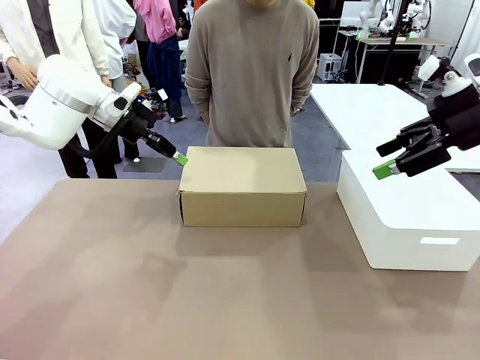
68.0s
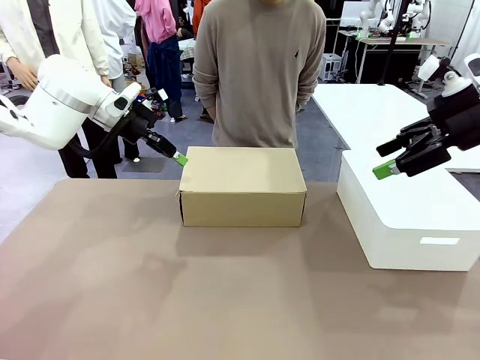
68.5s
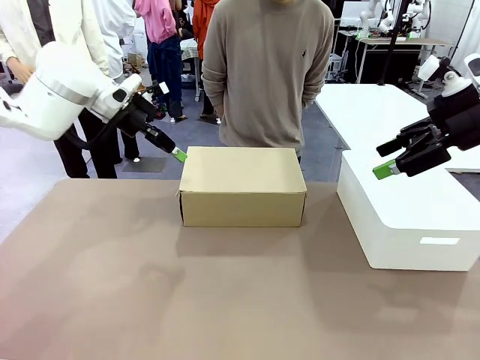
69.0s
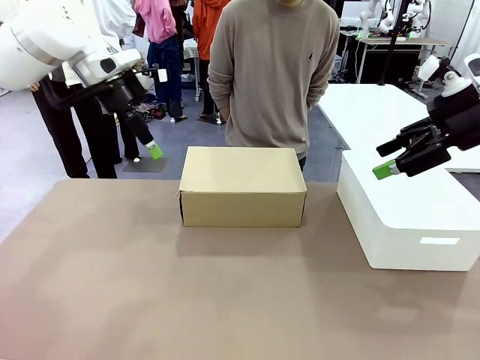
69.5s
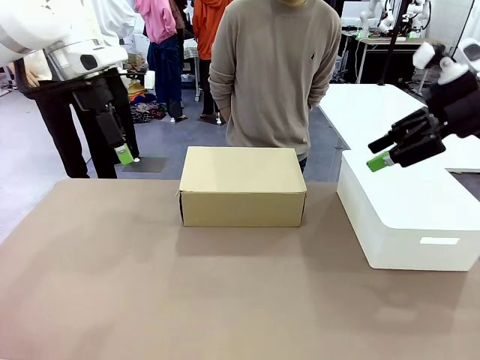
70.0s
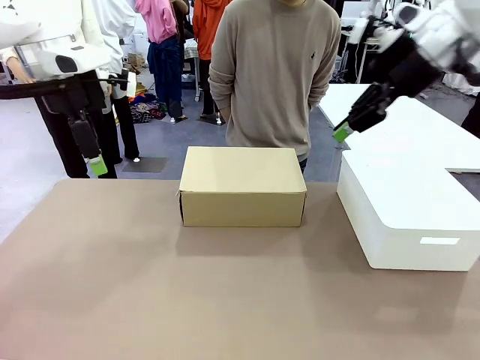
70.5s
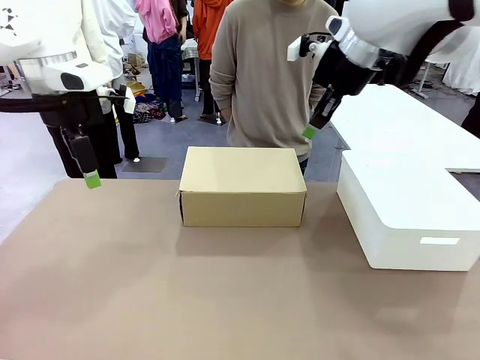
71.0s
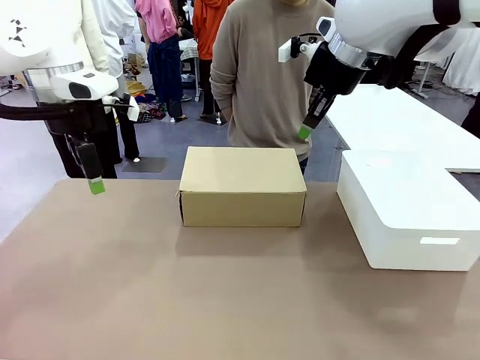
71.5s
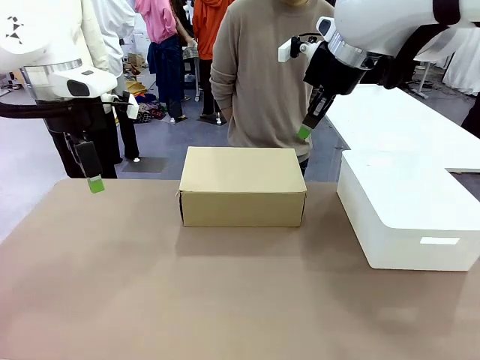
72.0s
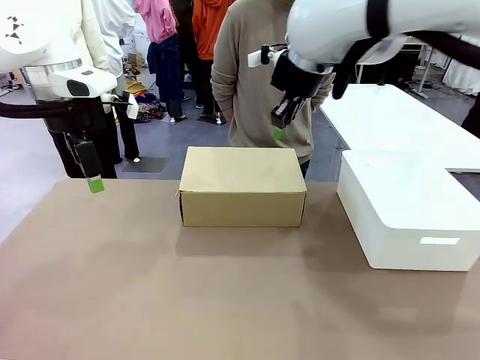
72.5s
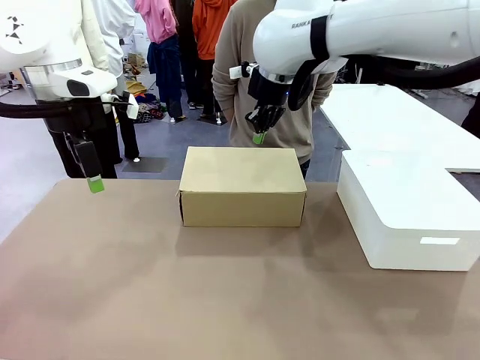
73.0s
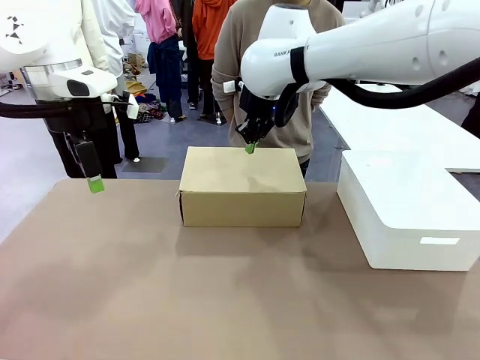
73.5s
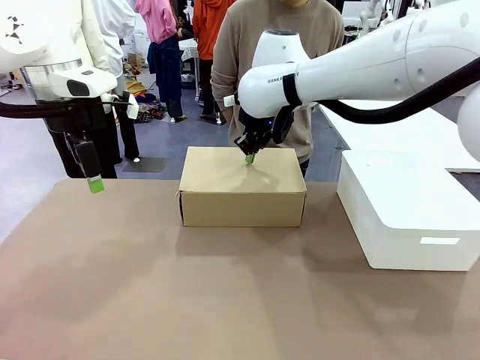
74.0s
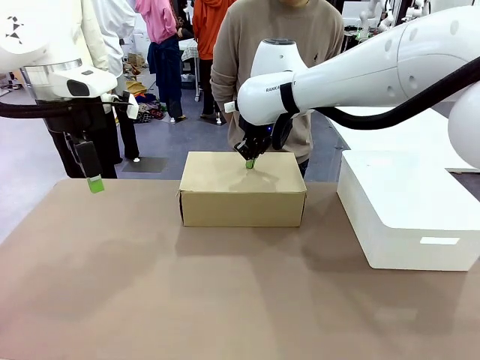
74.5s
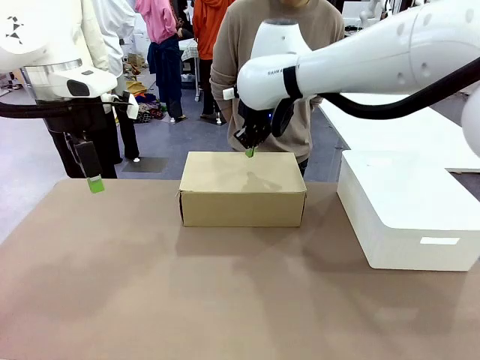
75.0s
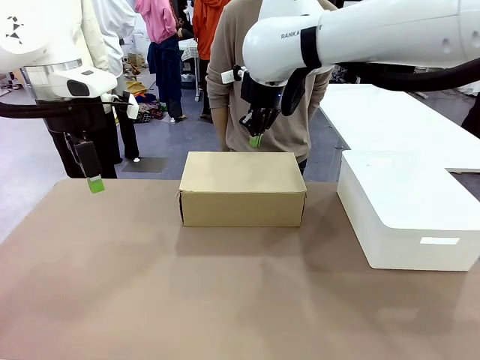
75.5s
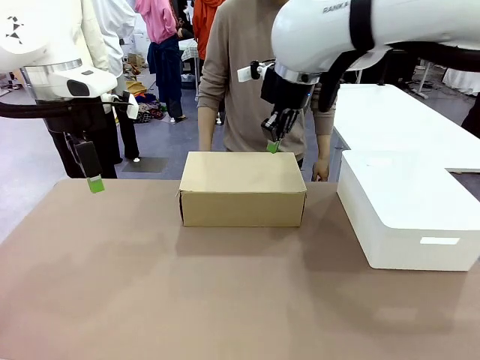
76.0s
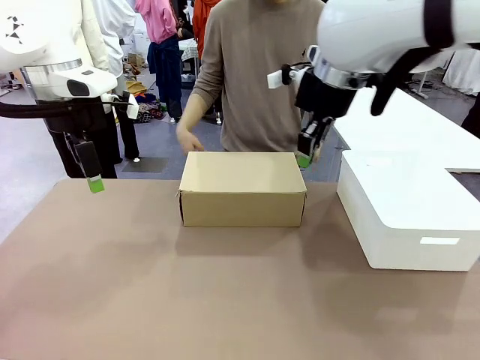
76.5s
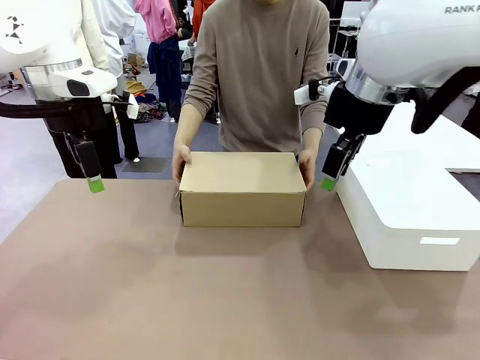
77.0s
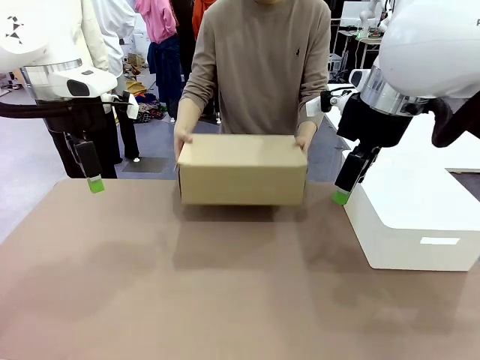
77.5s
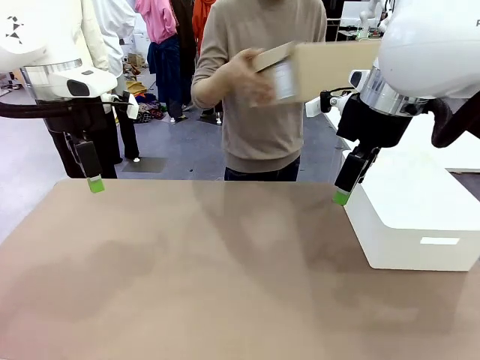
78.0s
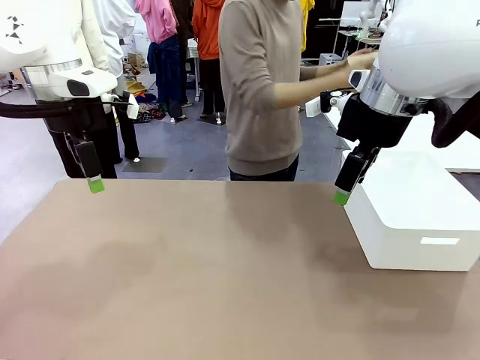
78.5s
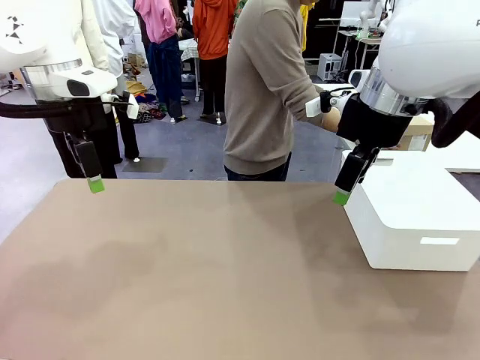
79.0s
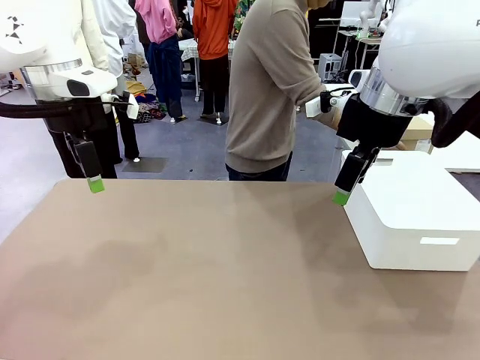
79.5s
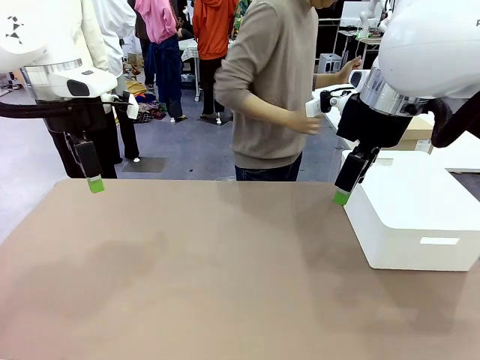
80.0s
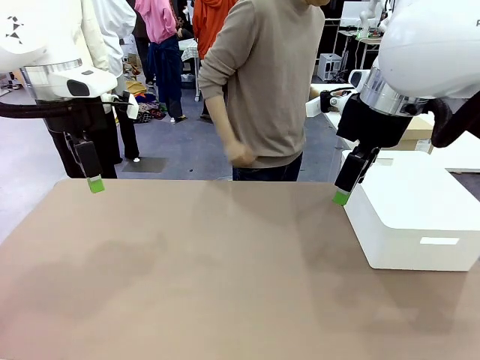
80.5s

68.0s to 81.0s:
Task: Pack the shoes into the box.
Robot: Press down on the lid of the Shoes Box.
Person: Place the closed Shoes Box to the right side of the human table.

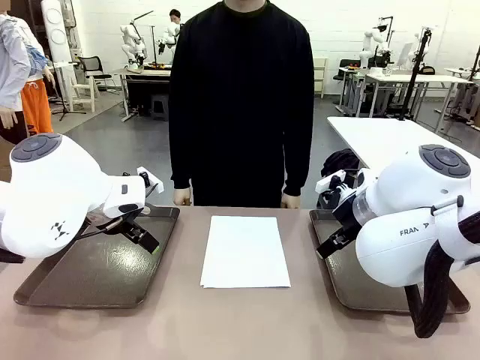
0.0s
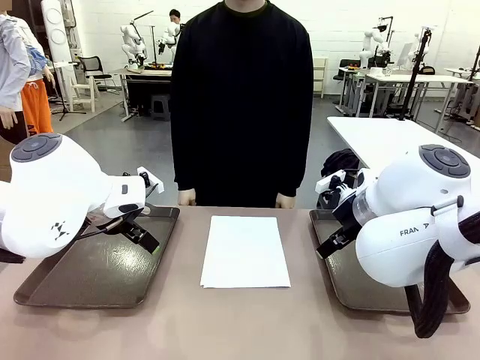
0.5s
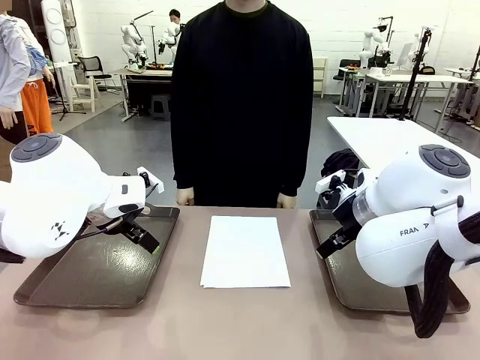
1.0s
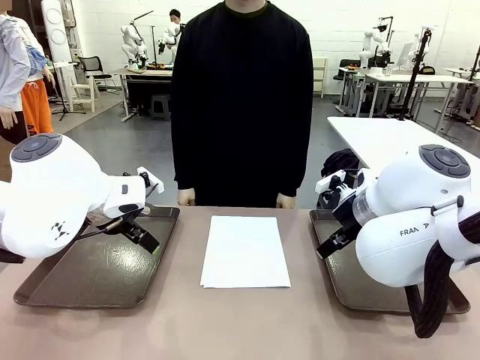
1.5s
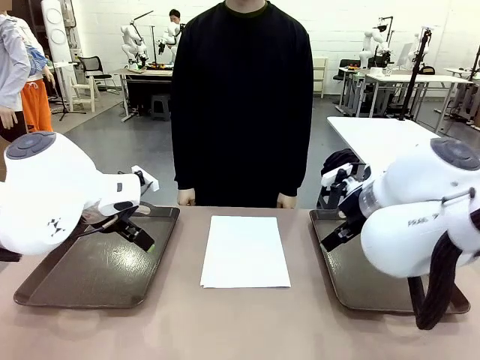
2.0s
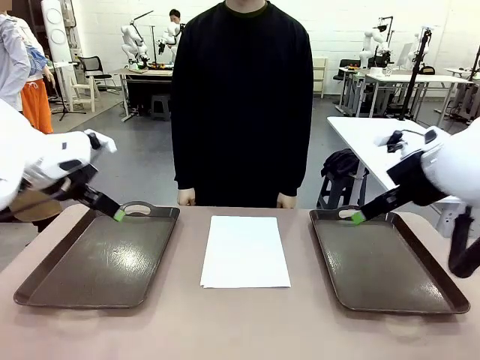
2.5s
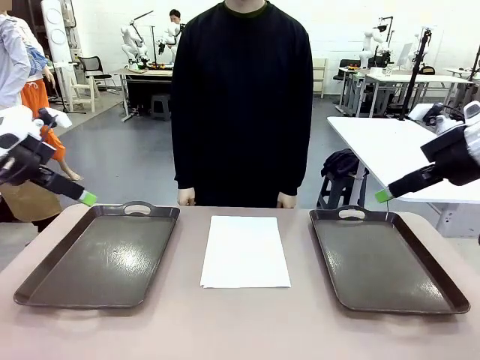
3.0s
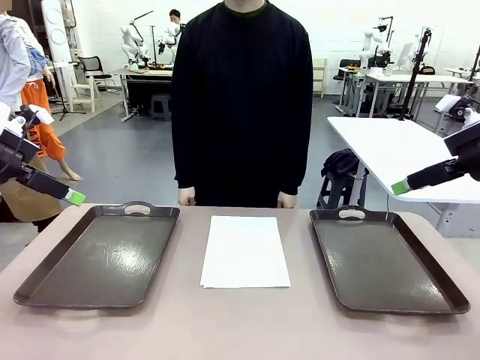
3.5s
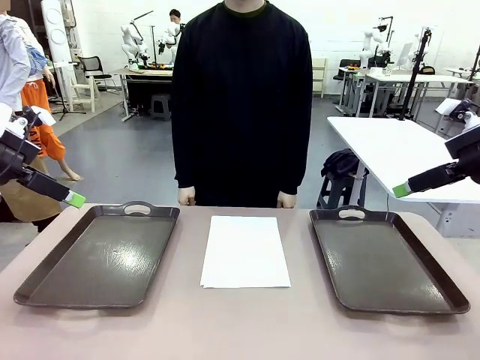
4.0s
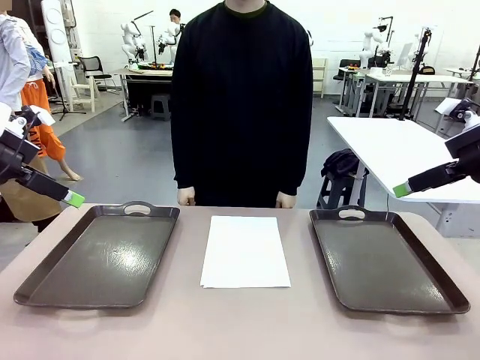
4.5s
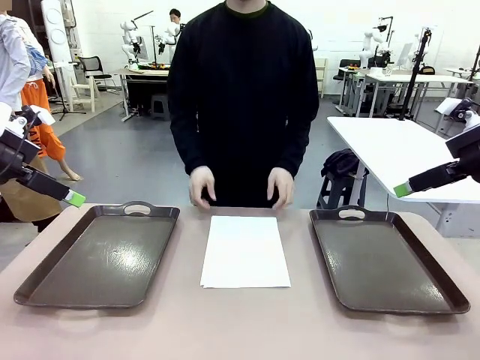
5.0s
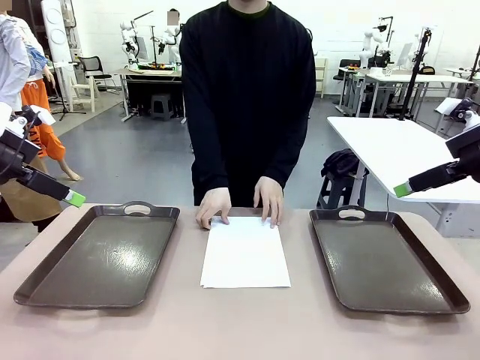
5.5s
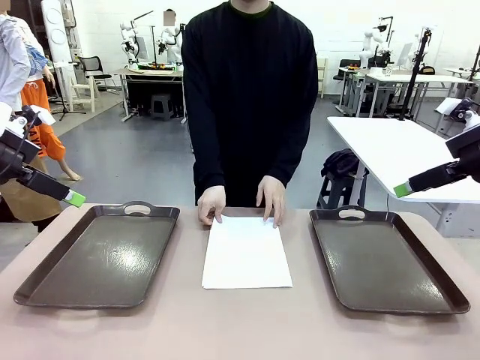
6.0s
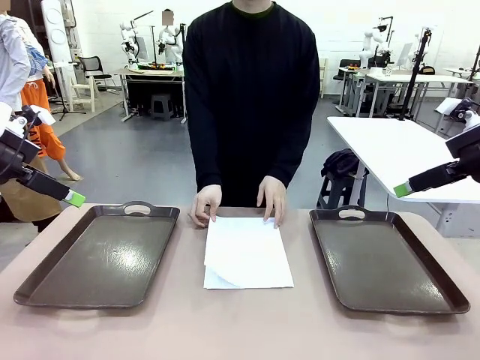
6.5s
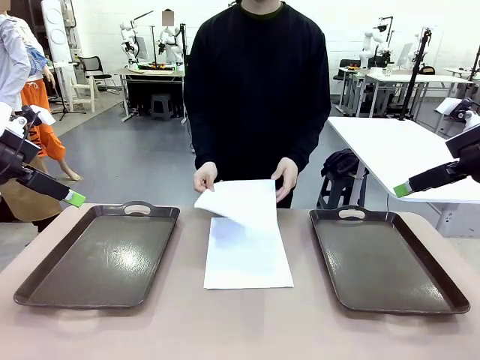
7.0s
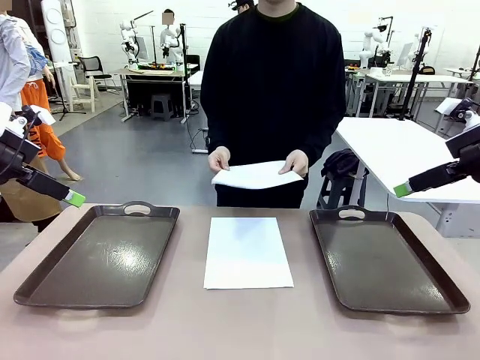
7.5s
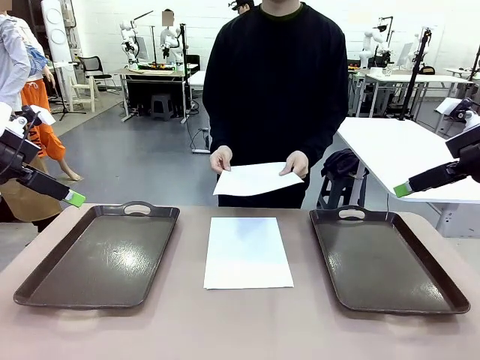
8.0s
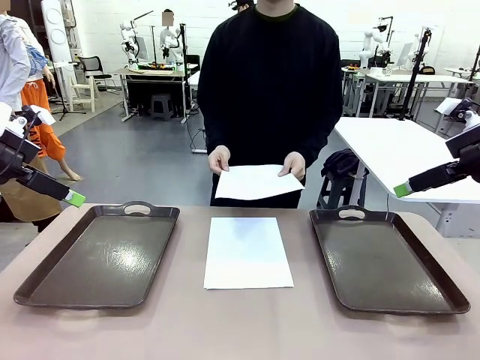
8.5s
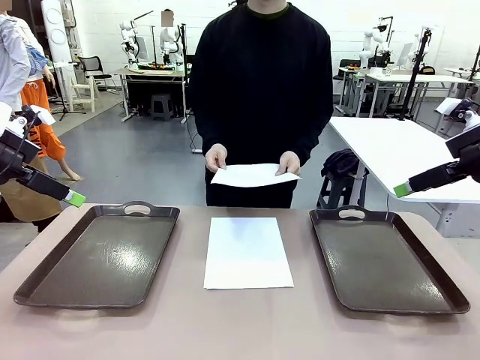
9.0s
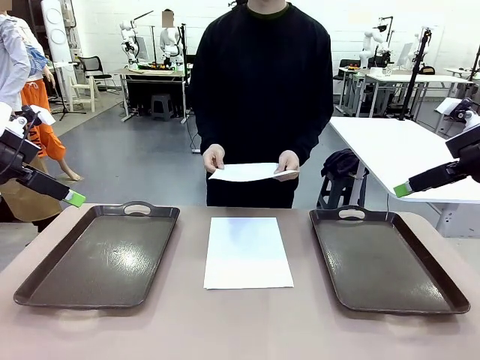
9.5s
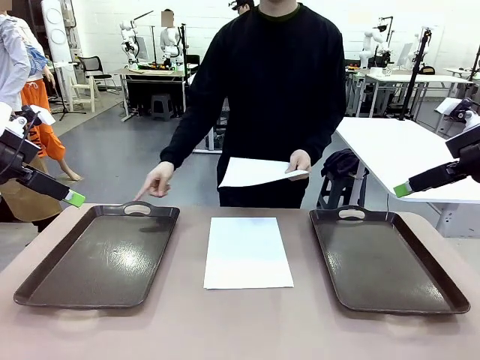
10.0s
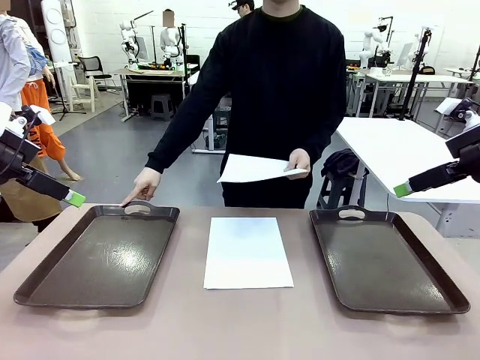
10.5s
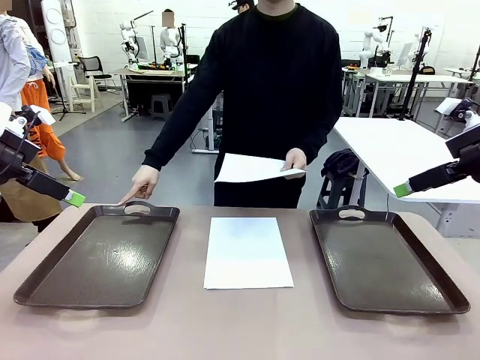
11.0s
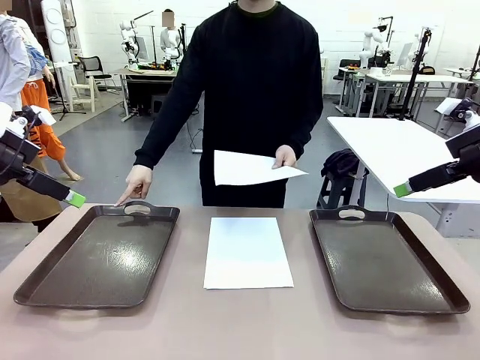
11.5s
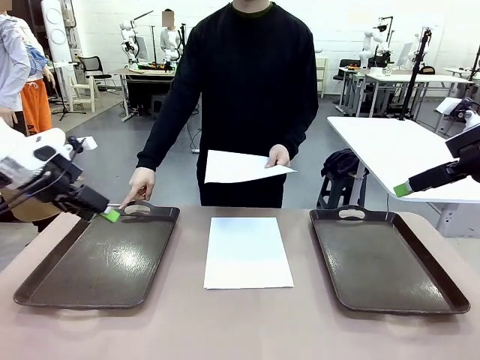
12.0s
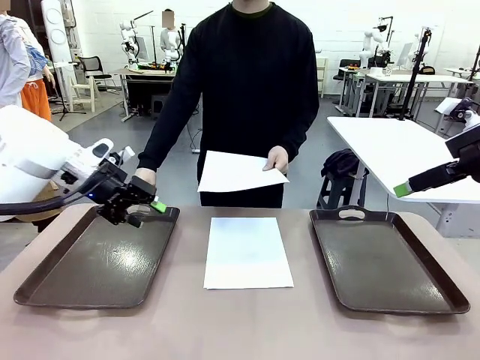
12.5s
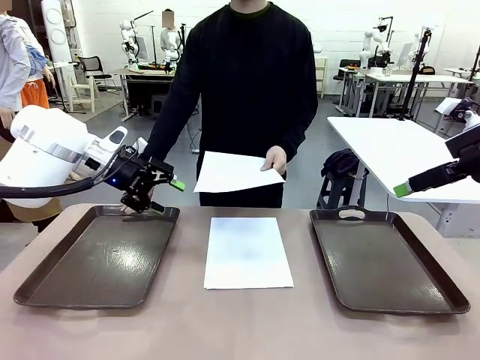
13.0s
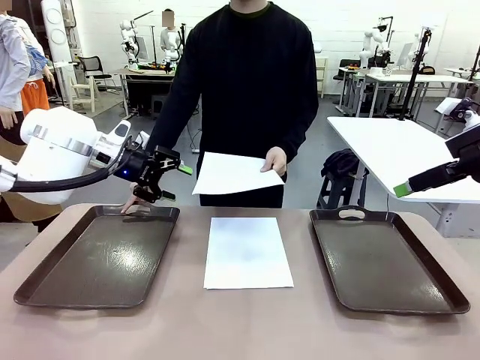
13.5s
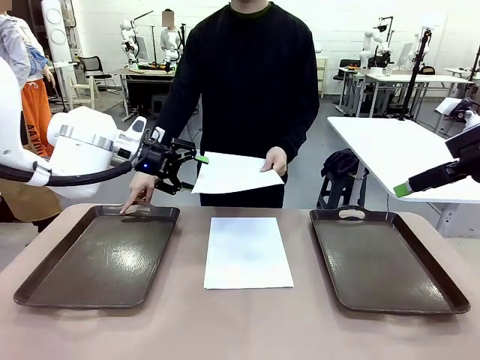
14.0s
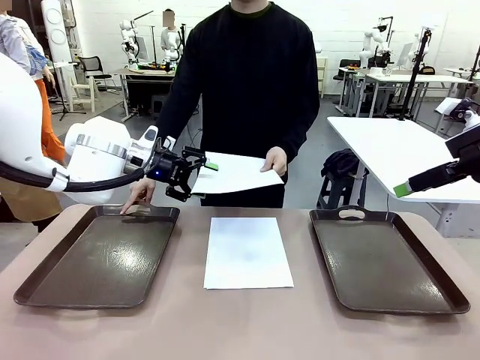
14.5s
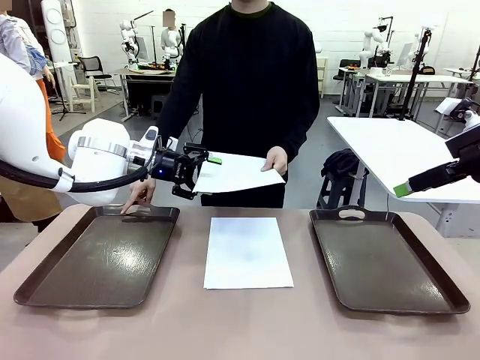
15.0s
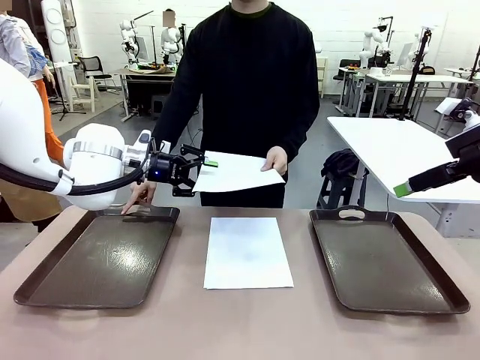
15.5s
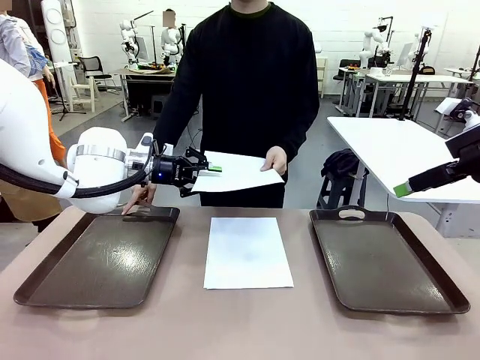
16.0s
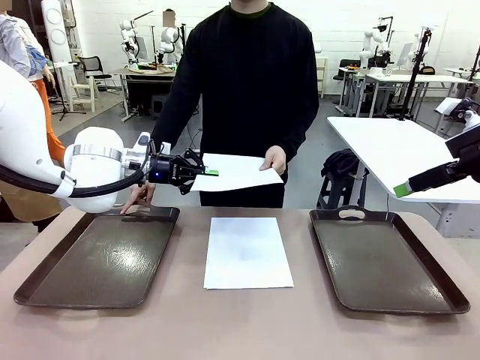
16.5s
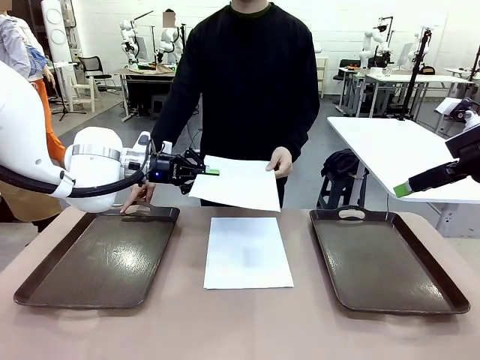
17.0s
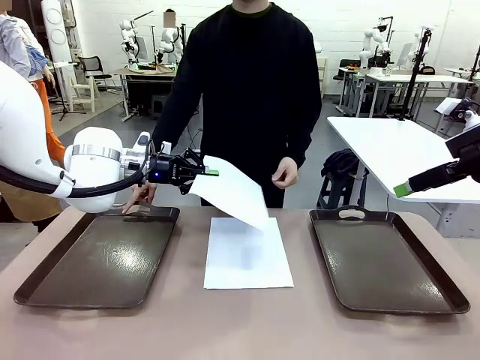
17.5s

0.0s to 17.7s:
Task: Sort the A4 documents.
Robot: Receive the A4 Paper.
Person: Pick up a sheet of paper from the center of the table and hand it to the robot. Point the randomly selected tray with the other hand.
